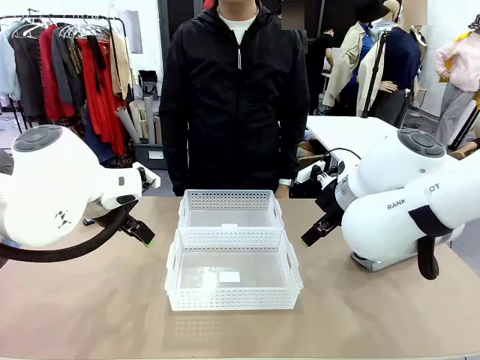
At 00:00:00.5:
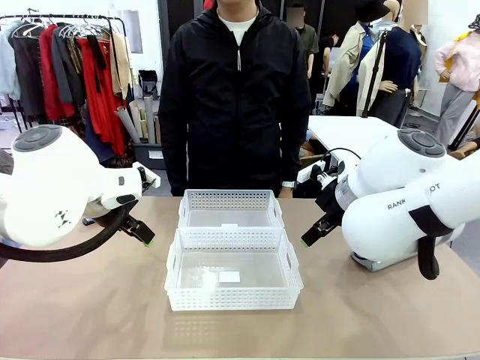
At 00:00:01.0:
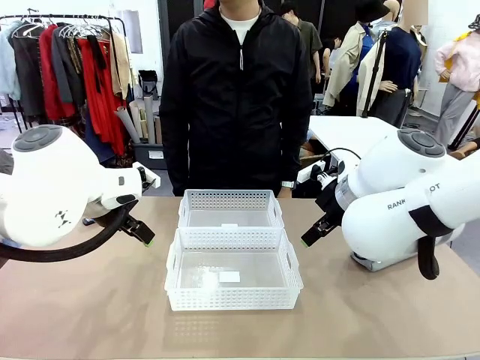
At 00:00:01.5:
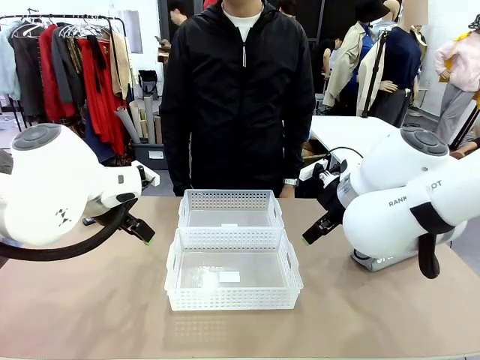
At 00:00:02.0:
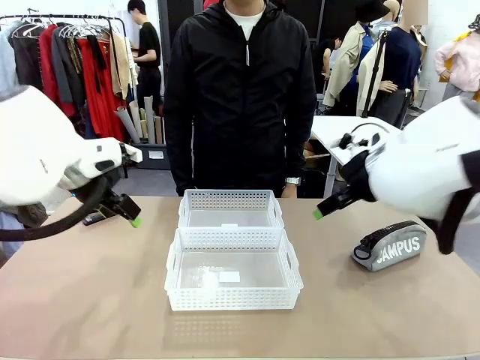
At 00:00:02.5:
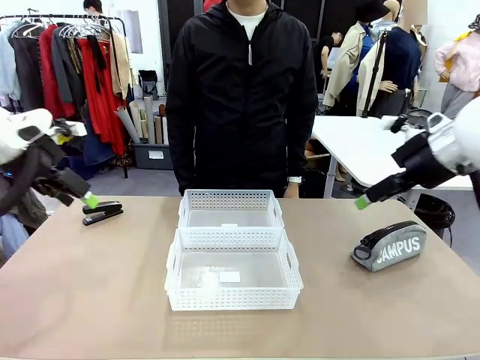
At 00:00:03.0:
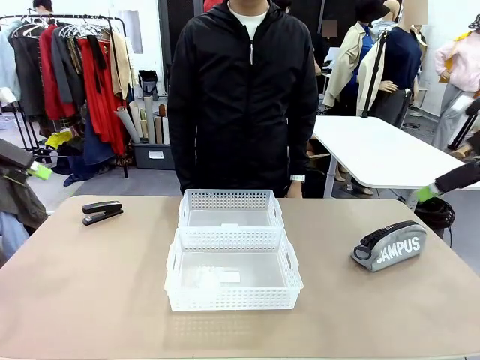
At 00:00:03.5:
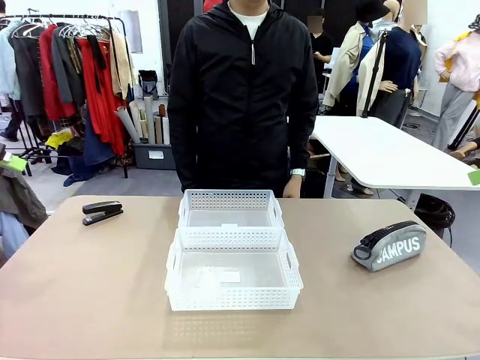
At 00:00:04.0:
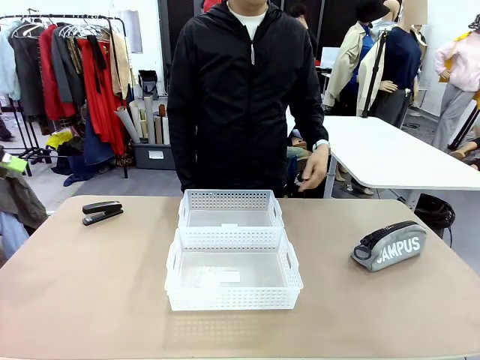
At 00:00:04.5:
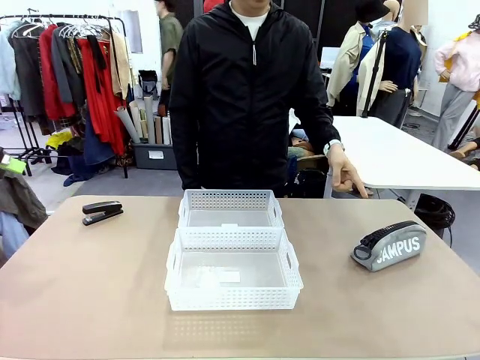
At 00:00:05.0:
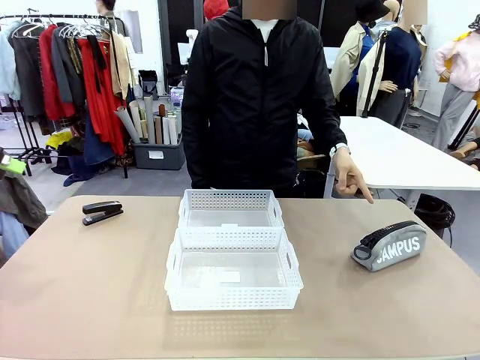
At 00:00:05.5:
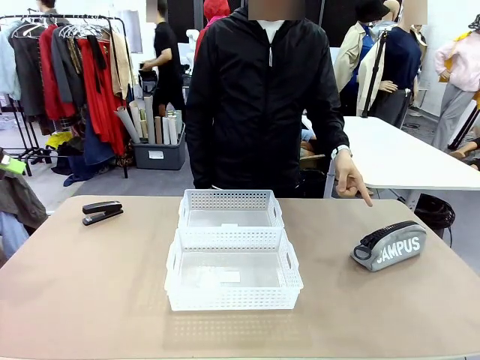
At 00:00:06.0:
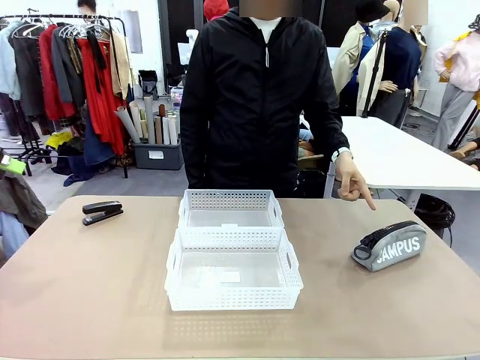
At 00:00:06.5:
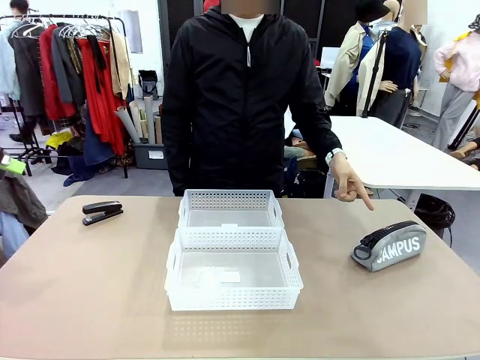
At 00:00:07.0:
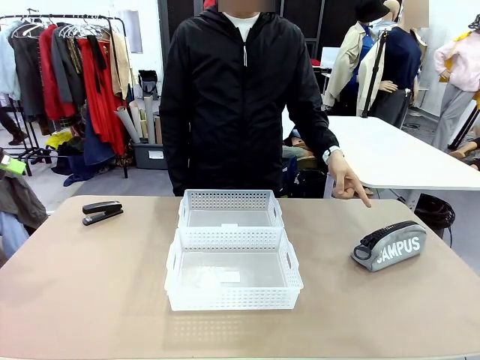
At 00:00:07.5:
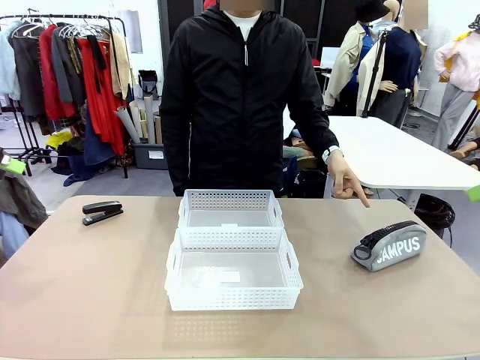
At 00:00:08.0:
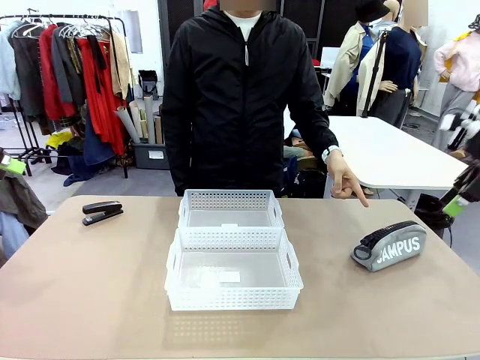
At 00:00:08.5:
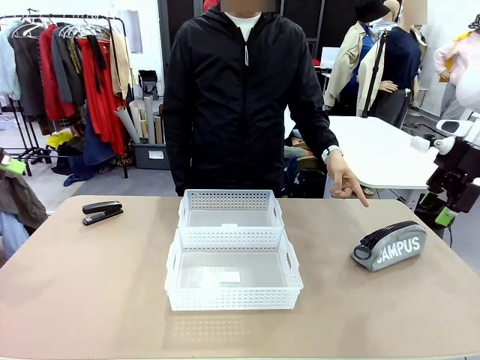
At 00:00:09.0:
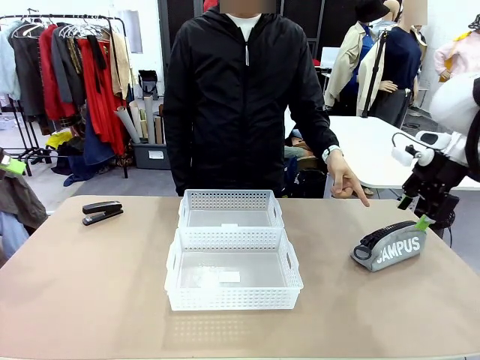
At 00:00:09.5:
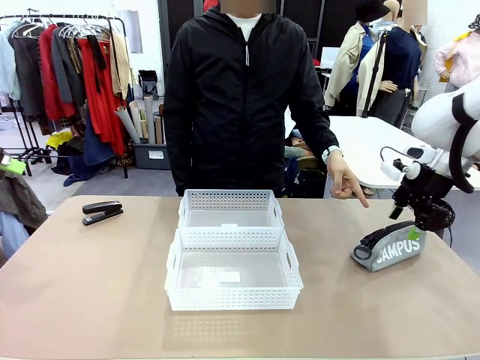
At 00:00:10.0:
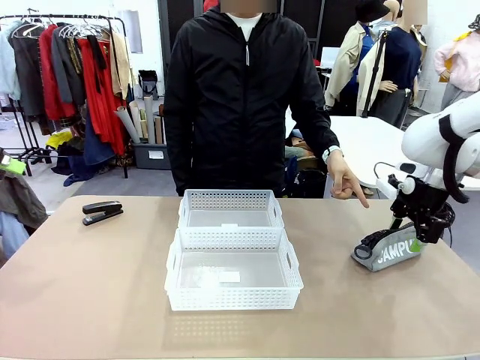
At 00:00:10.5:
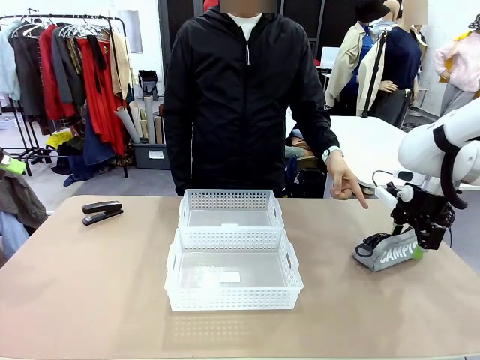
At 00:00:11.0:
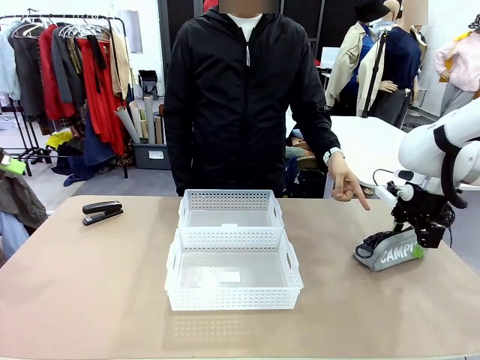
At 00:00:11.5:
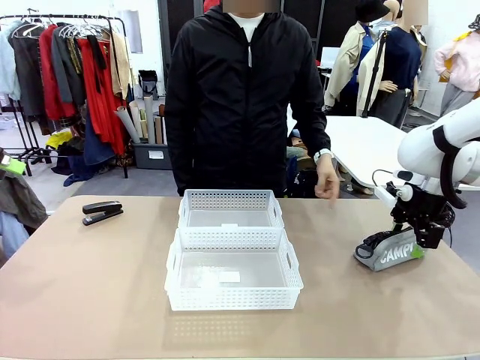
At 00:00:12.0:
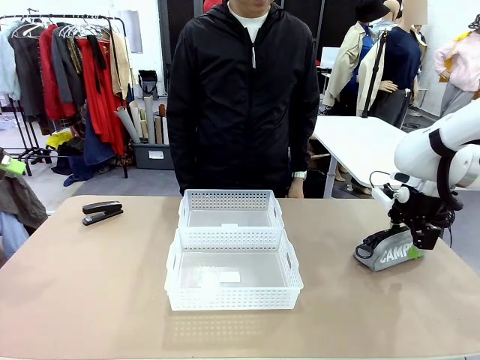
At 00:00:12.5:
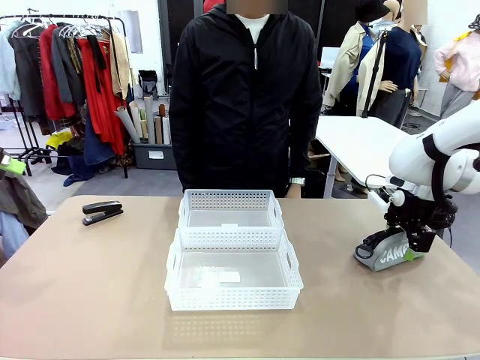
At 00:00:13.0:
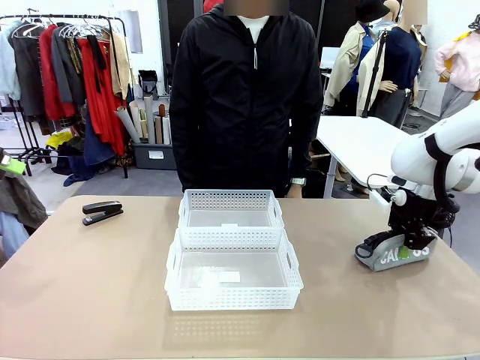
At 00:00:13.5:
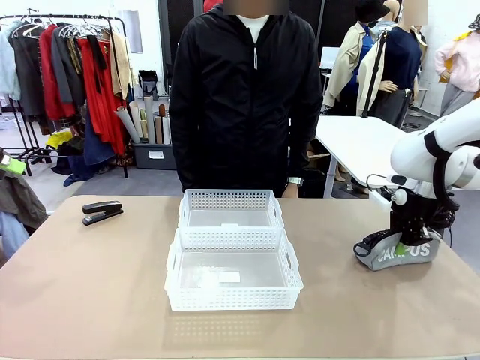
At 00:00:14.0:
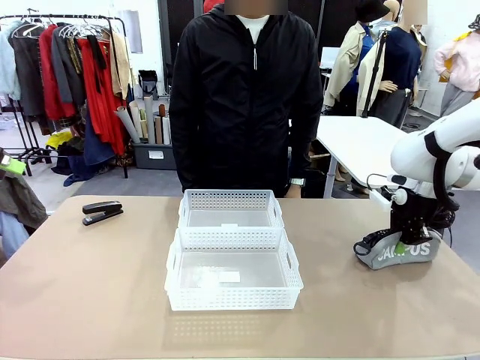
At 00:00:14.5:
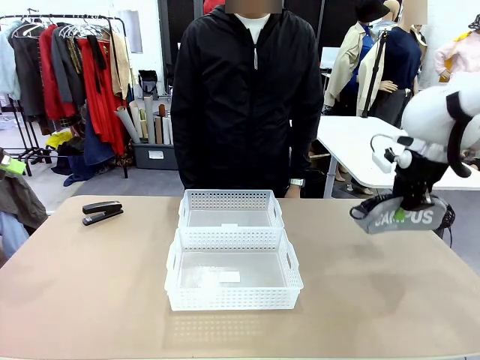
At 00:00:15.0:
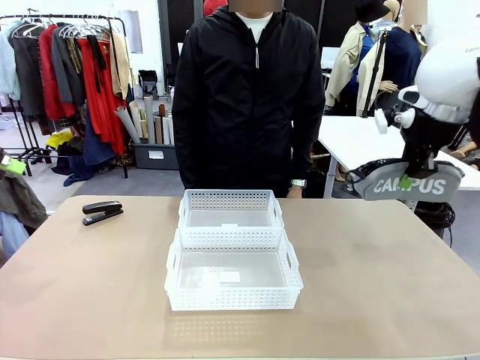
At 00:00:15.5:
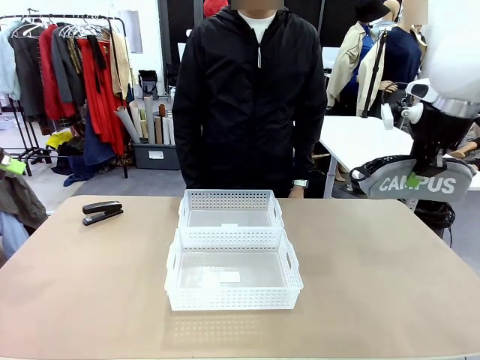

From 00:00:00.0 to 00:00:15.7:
Task: Distribute items into two baskets.
Robot: Pick up the Pencil pouch that the person points to.
Person: Points to the pencil case. Points between the two organizing baskets and instructs the robot to move the pencil case.

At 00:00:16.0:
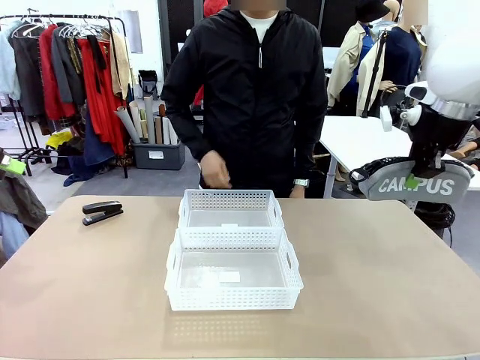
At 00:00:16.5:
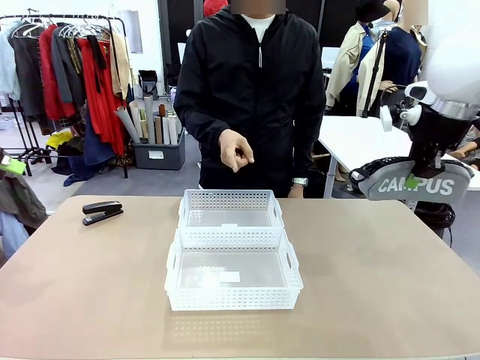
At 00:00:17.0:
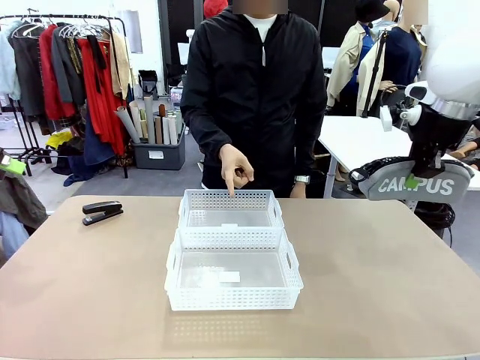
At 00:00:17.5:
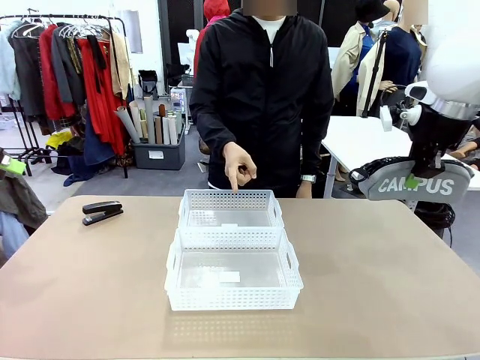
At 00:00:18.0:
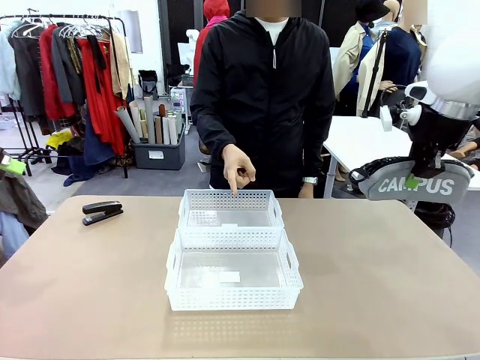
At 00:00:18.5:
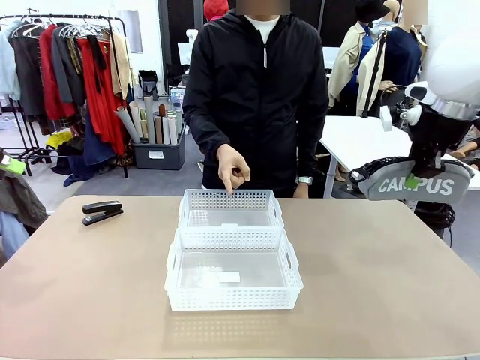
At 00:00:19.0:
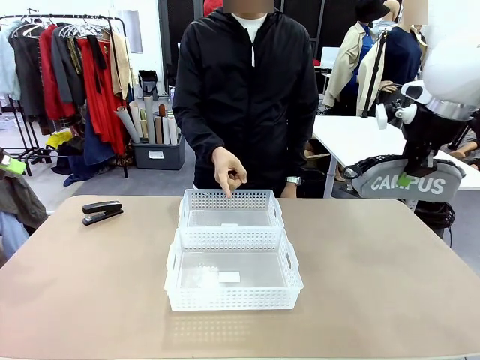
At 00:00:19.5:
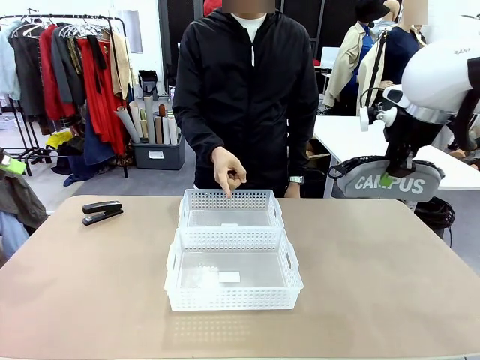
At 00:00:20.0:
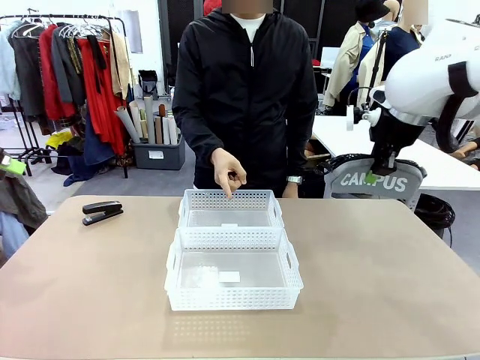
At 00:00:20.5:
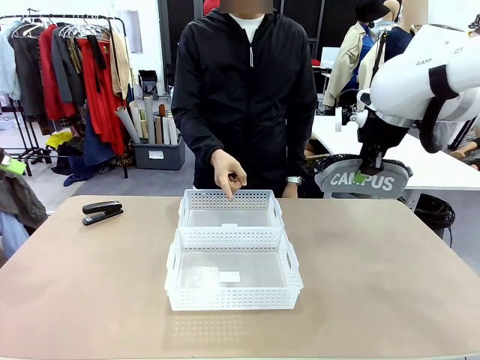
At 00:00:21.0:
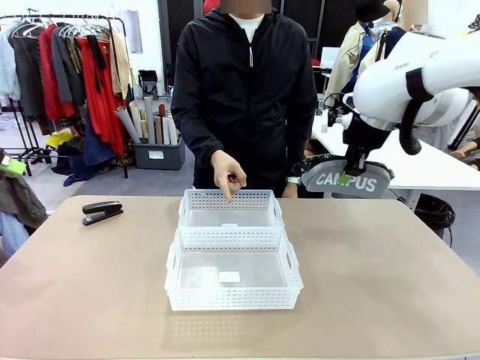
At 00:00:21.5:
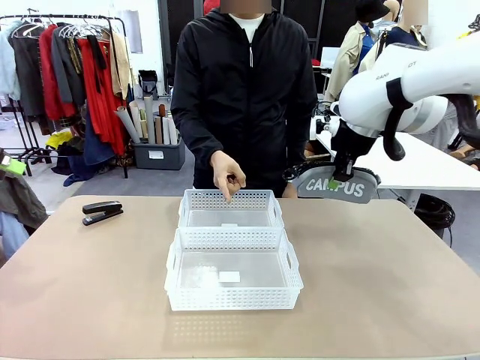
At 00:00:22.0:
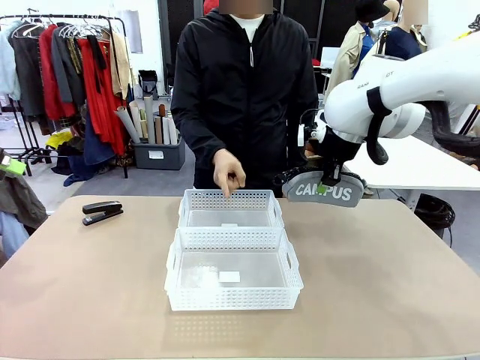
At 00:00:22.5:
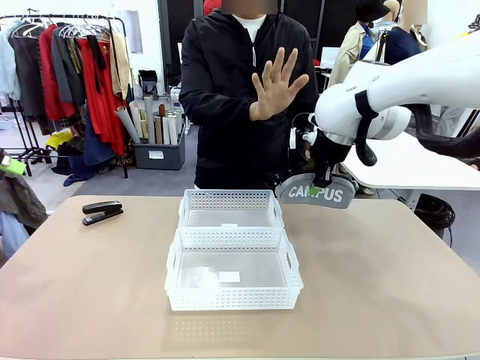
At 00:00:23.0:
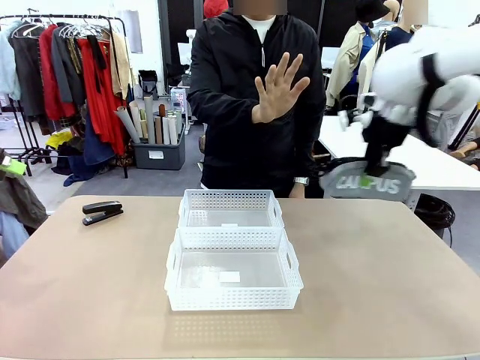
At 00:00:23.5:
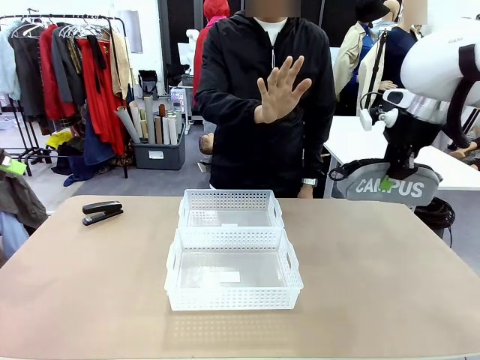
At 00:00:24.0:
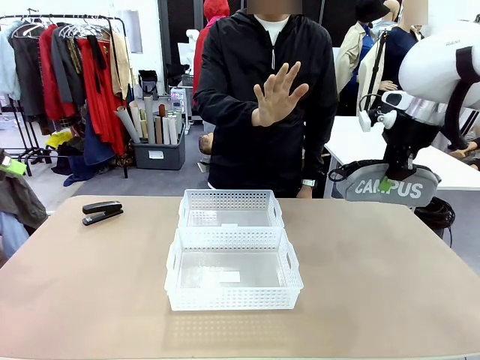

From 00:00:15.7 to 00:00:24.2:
Robot: Move the picked Pencil pouch towards the Organizing basket indicated by the person, stopping as directed.
Person: Sends a stop gesture before the robot places the pencil case into the basket.
